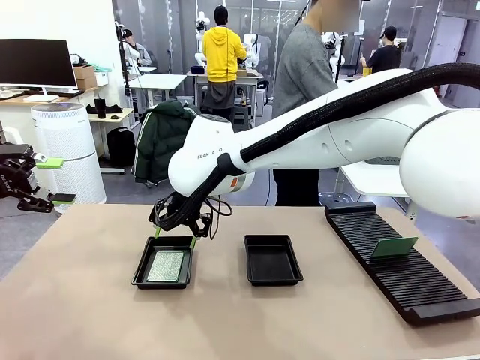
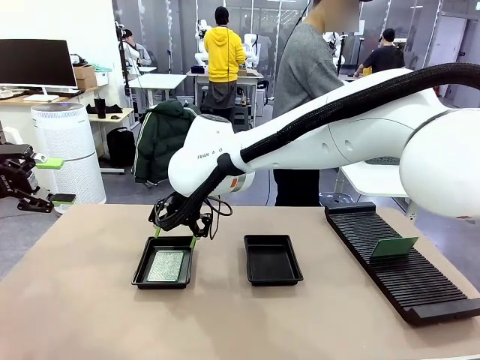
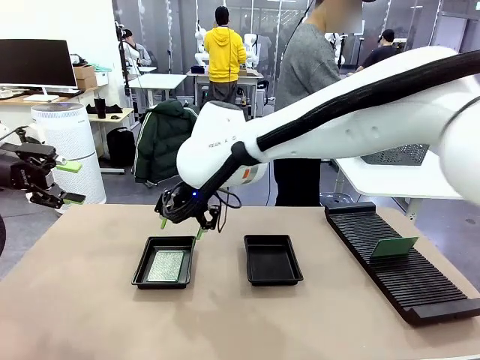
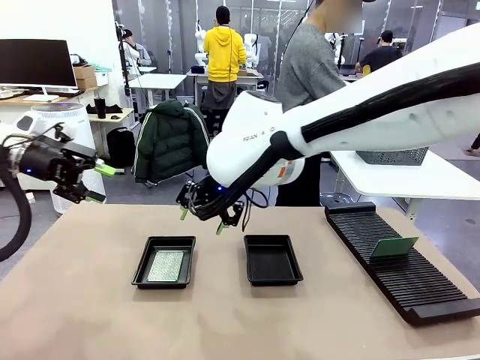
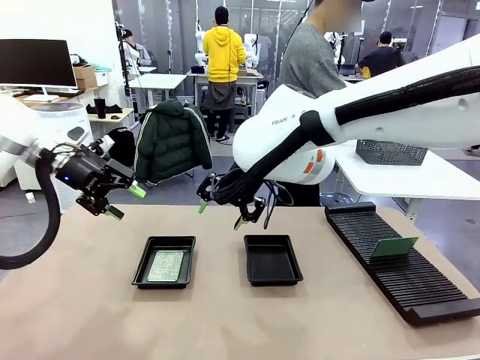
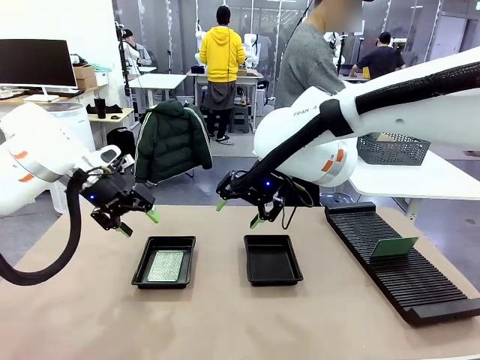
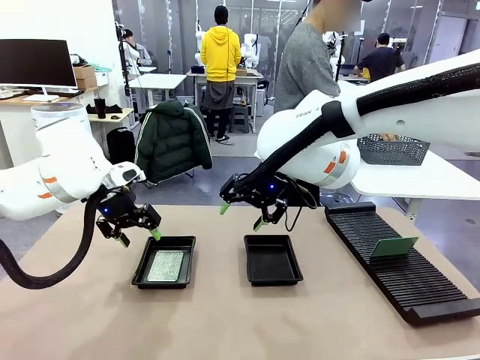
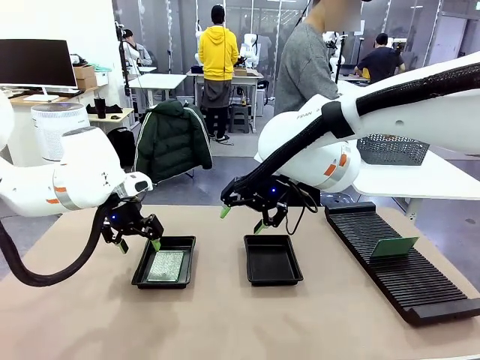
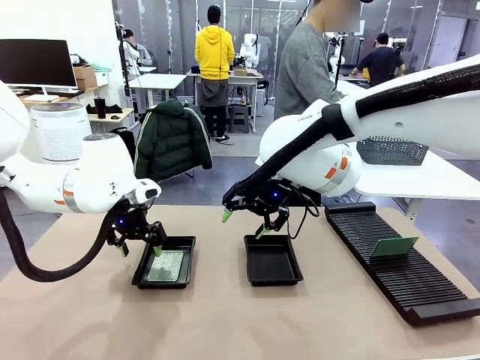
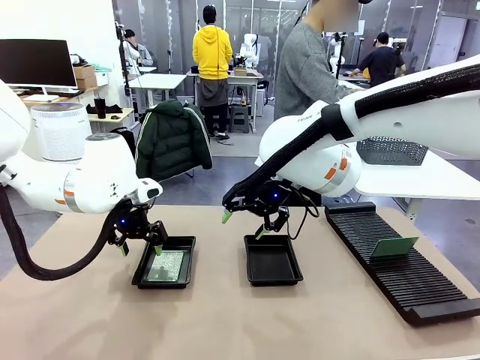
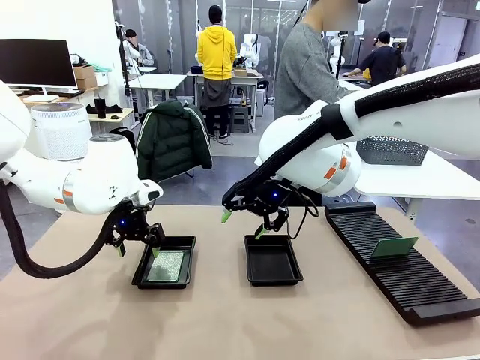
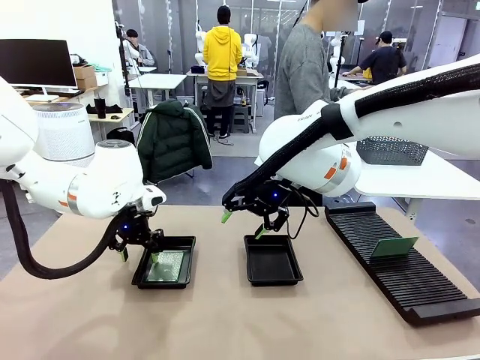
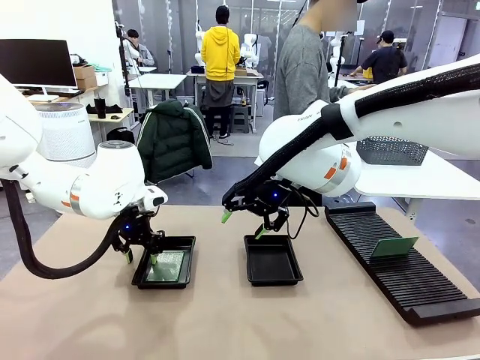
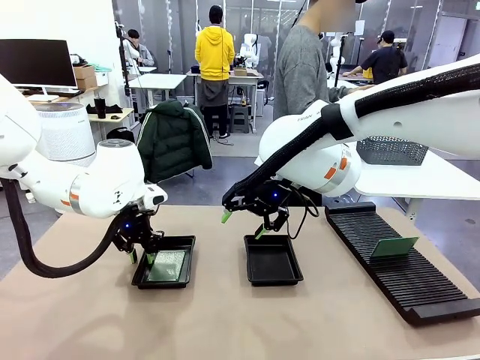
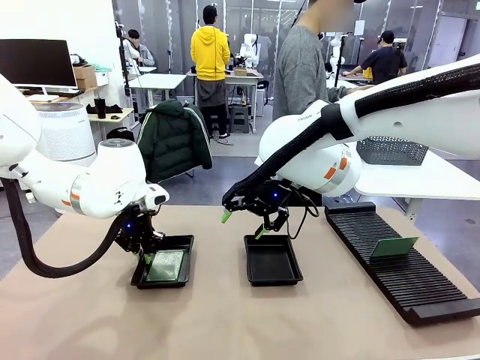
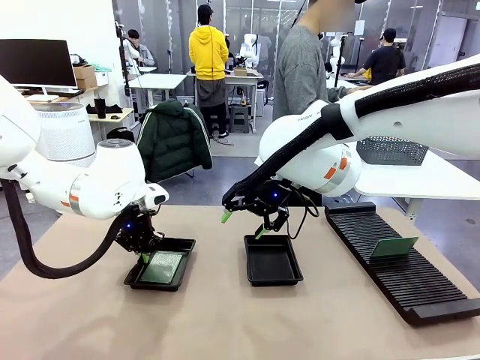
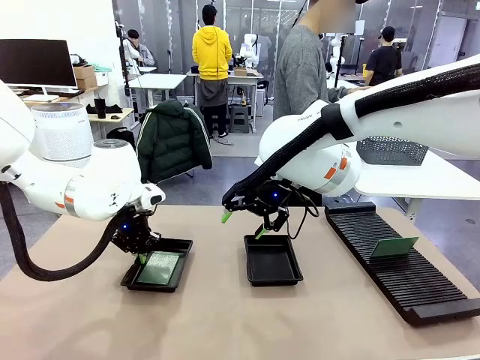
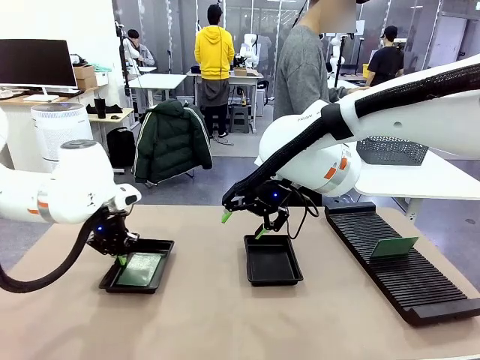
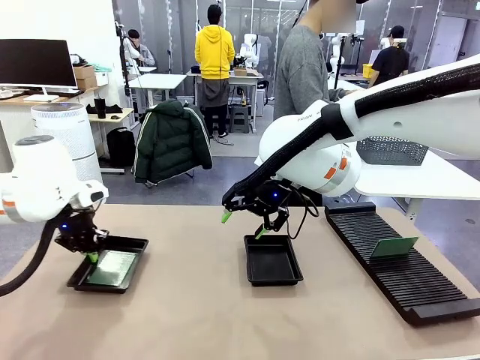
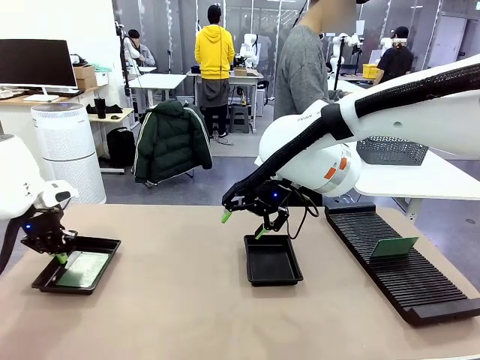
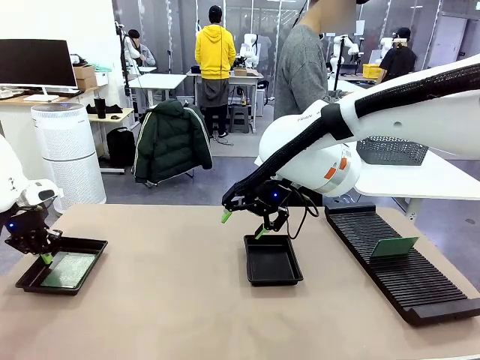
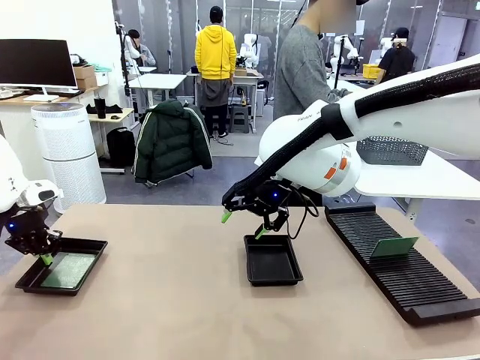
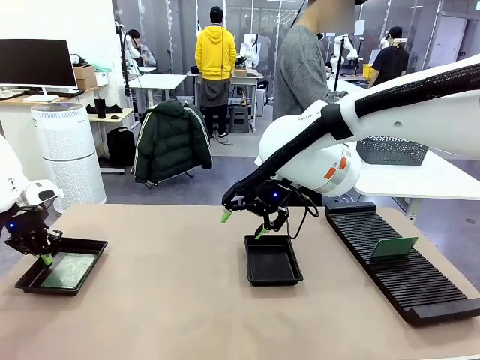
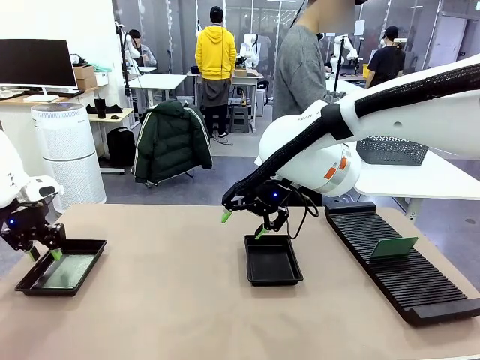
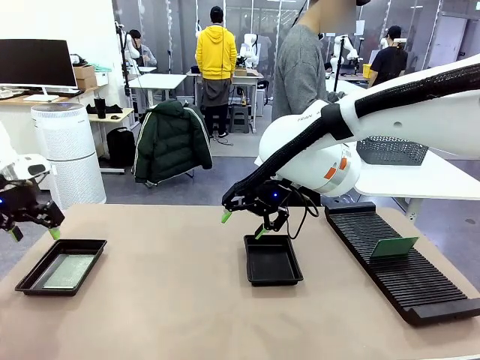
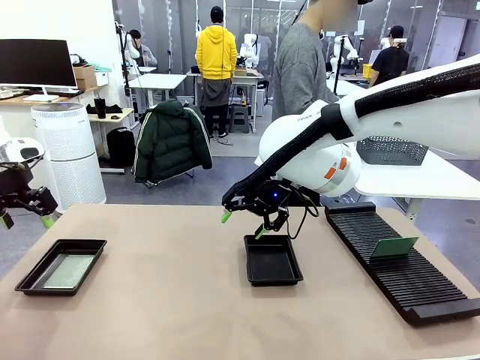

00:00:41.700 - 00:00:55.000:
Task: Inspect and transfer BCBs to ESD trays.
Robot: Pick up the ESD tray and place it on the left side of the table.

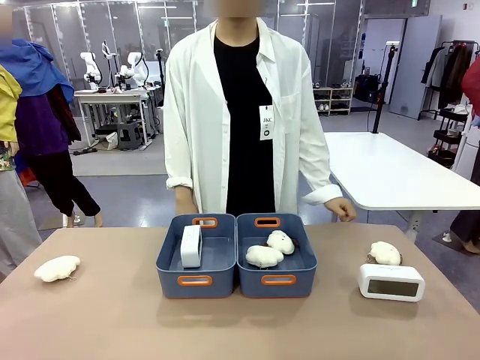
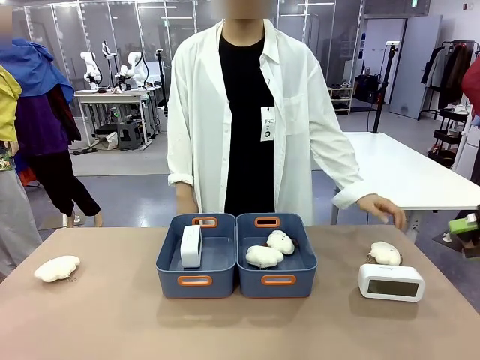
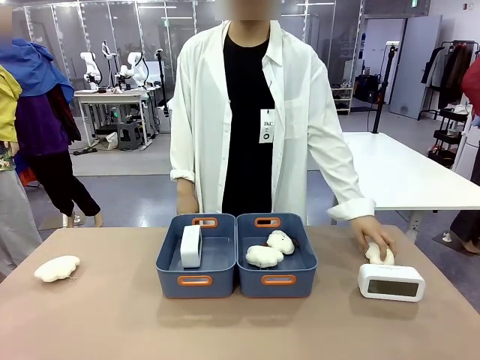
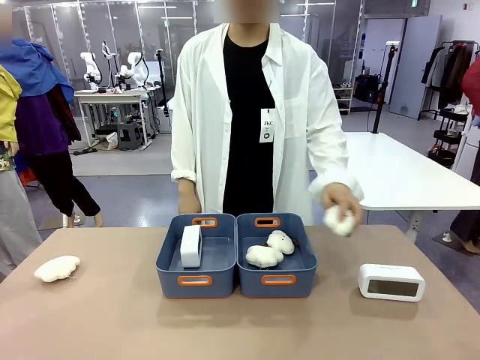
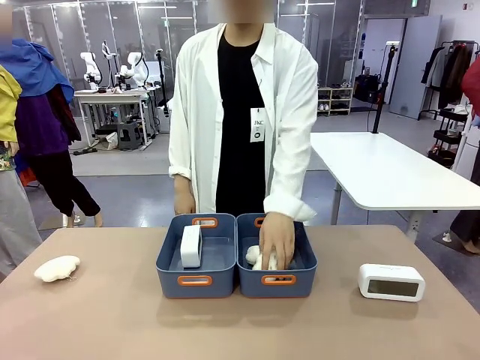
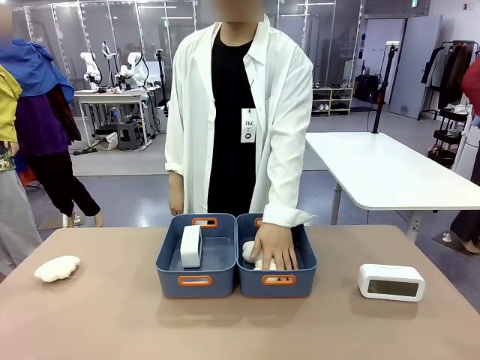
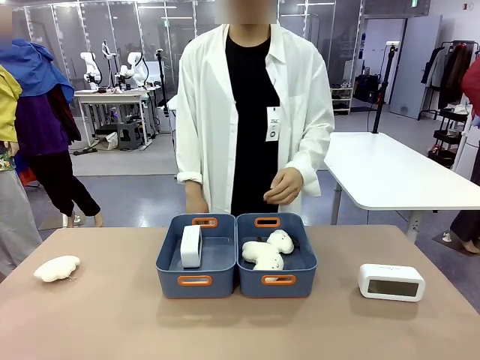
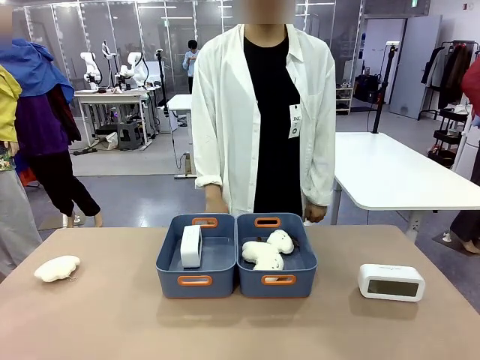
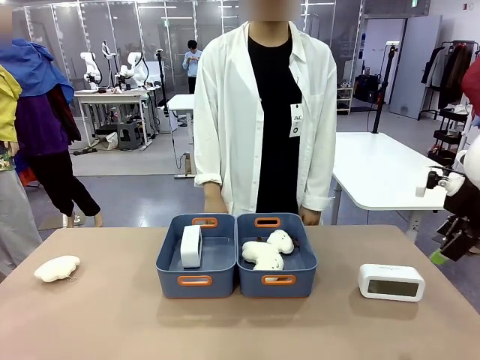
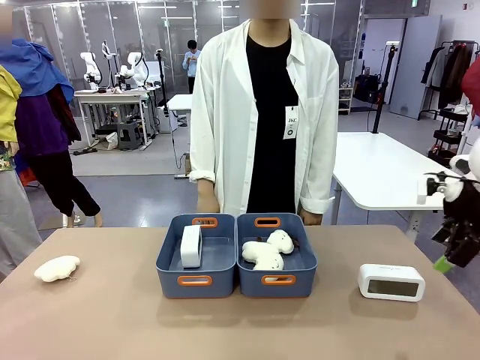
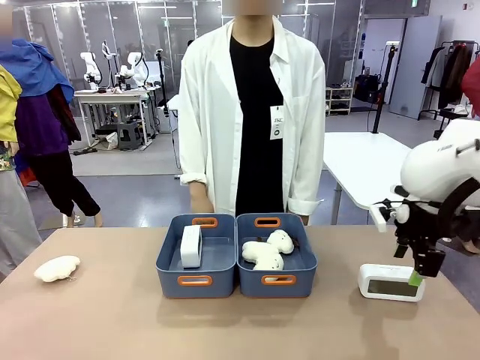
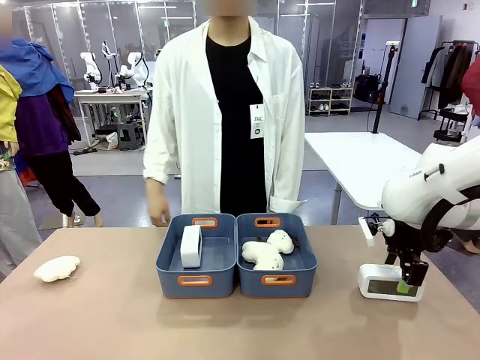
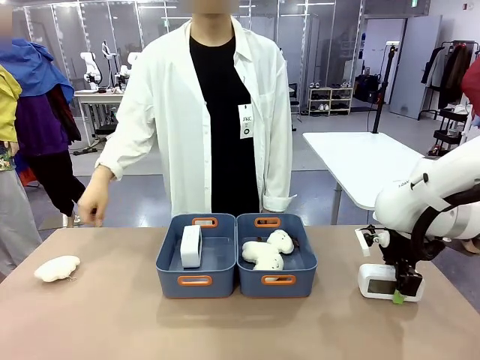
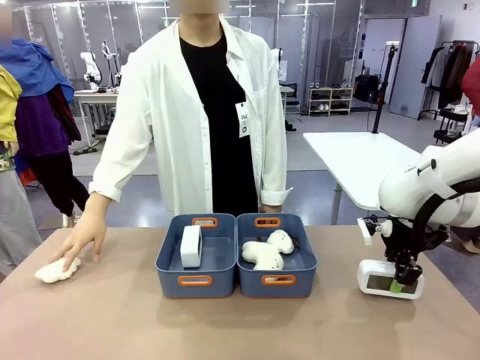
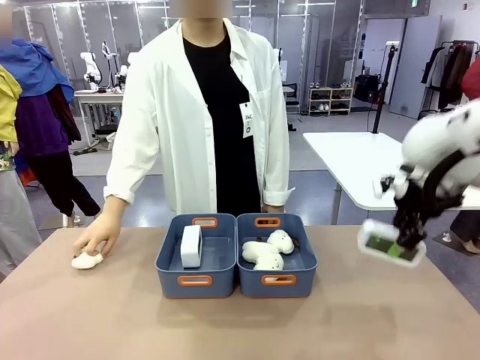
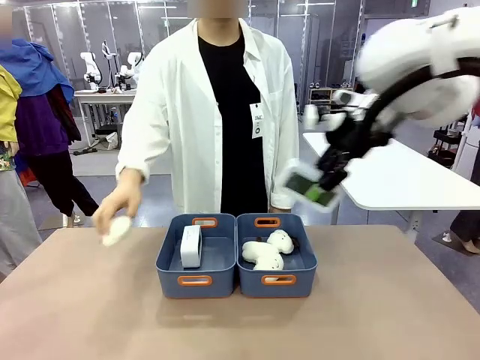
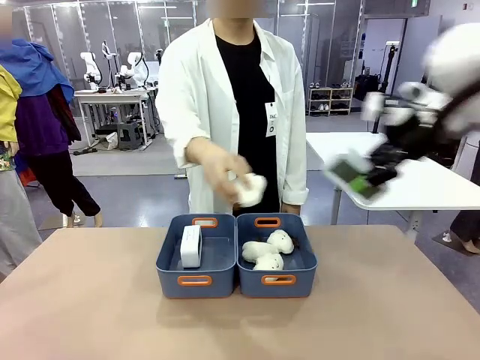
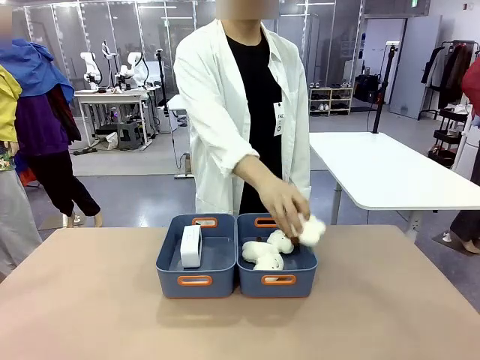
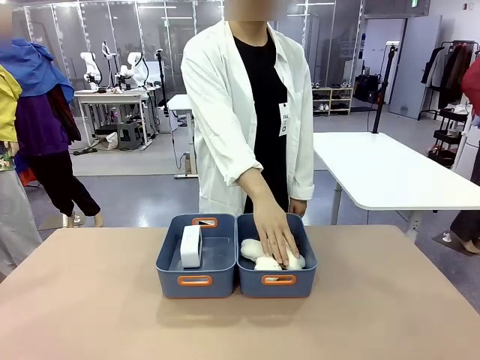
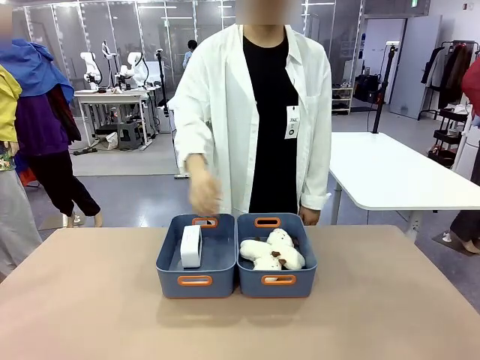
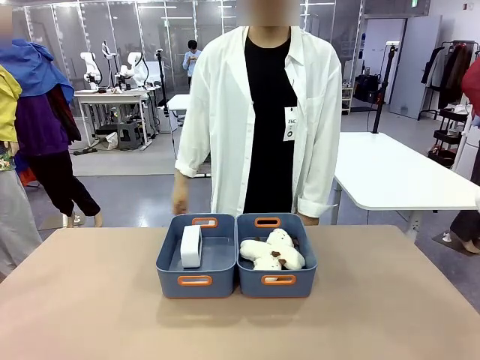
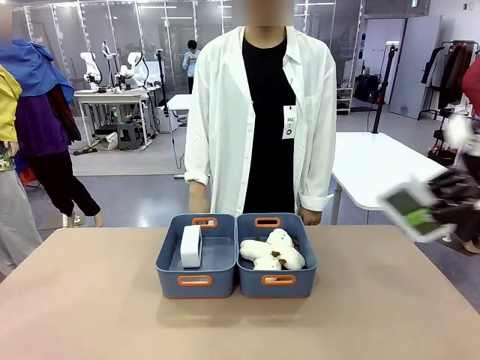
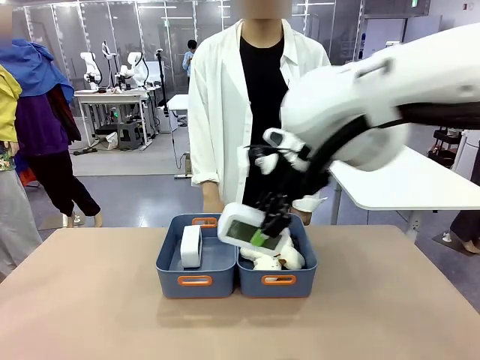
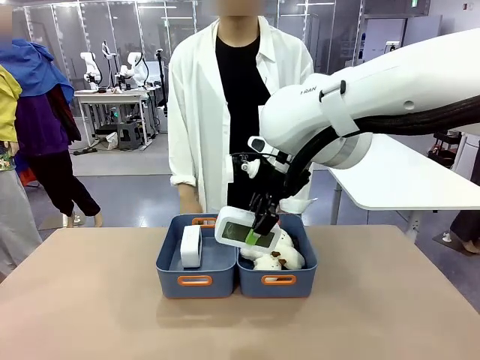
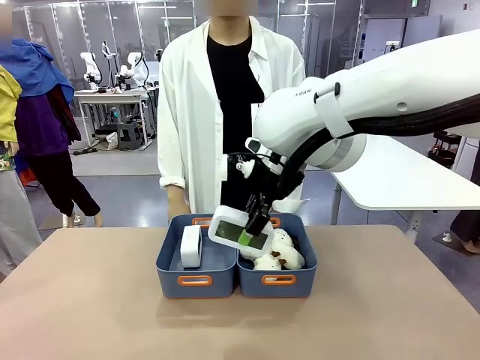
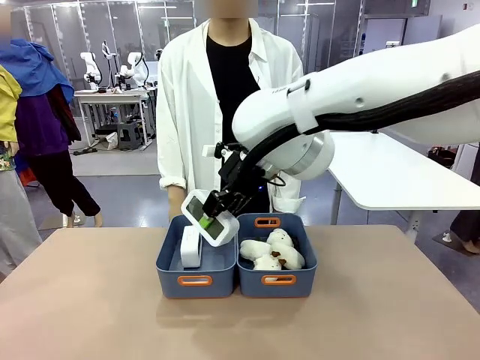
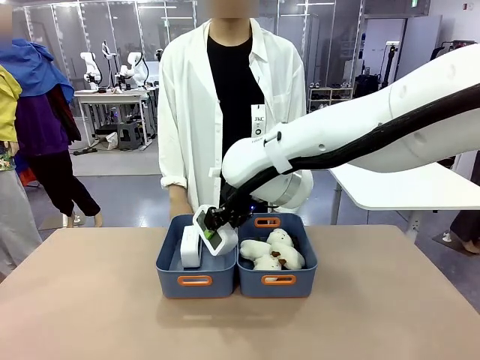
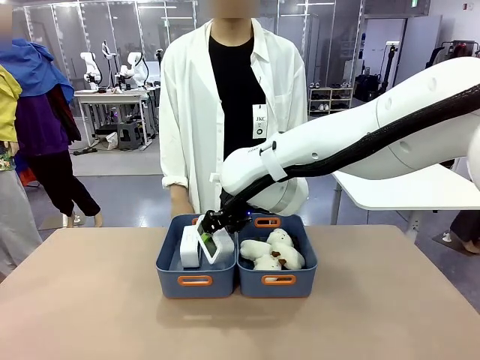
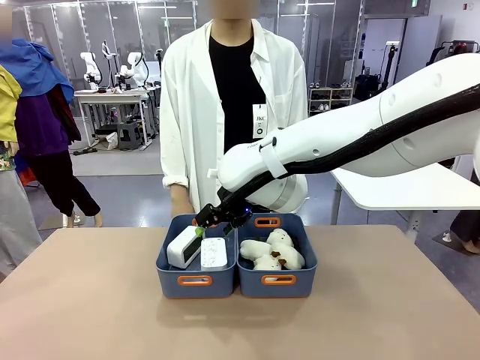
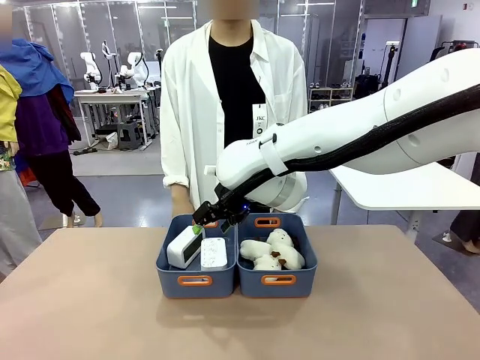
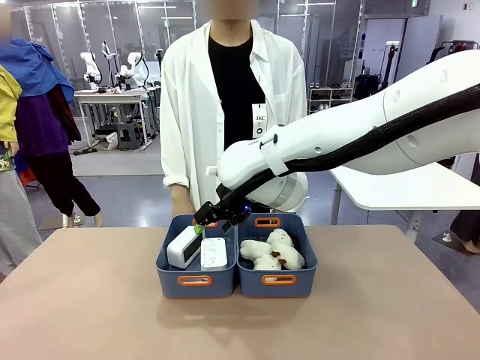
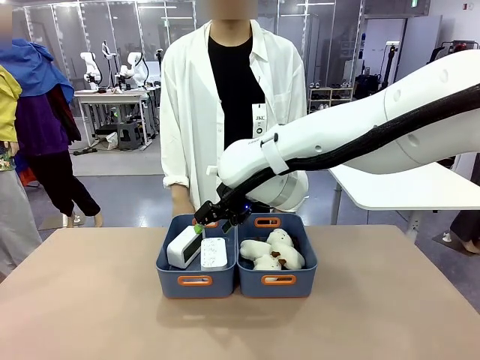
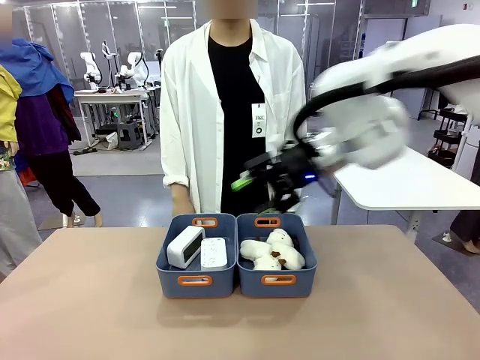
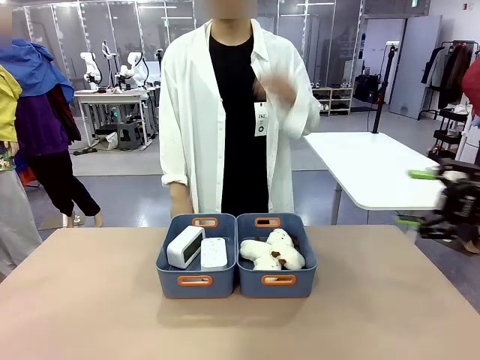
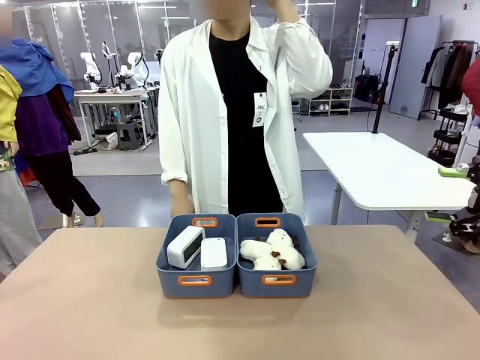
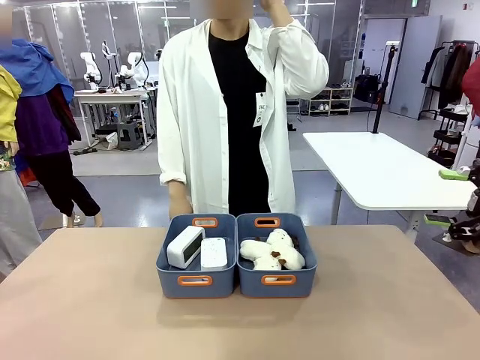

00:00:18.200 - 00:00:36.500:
Task: Sort the digital clocks into the basket.
Robot: Pick up the Digital clock from the table and place it into the empty Plastic storage basket.
Person: Pick up a plush toy from the table and place it in the plastic storage basket containing the plush toy.
